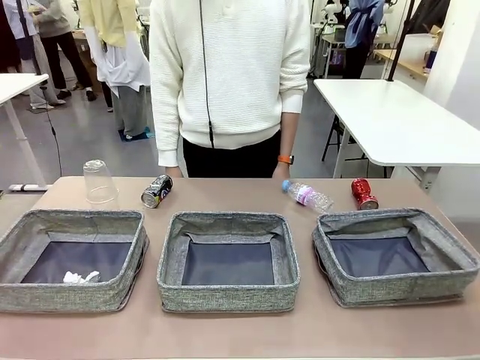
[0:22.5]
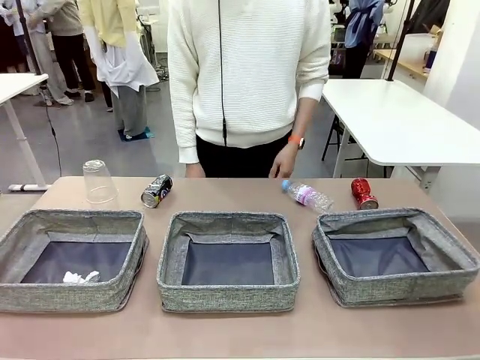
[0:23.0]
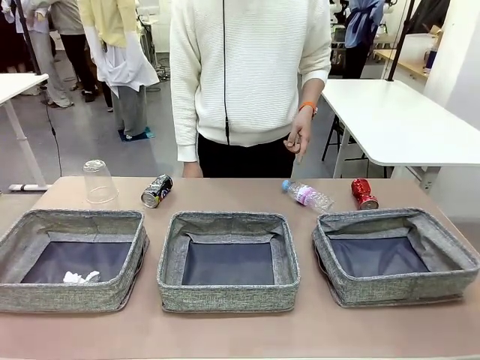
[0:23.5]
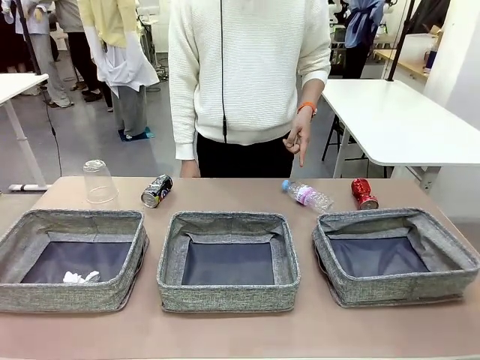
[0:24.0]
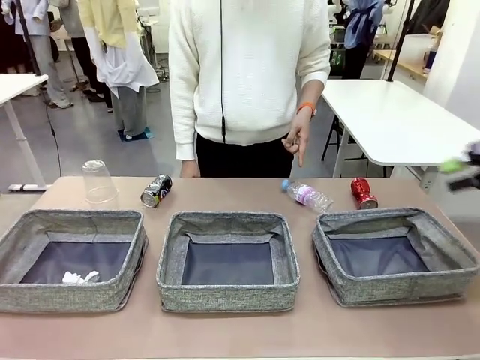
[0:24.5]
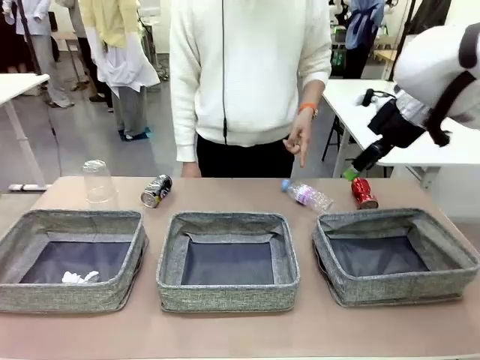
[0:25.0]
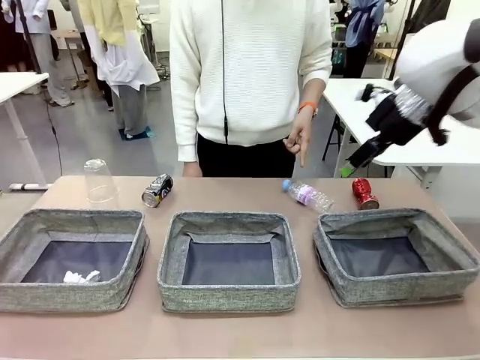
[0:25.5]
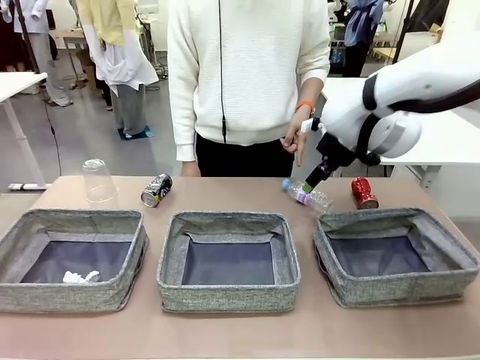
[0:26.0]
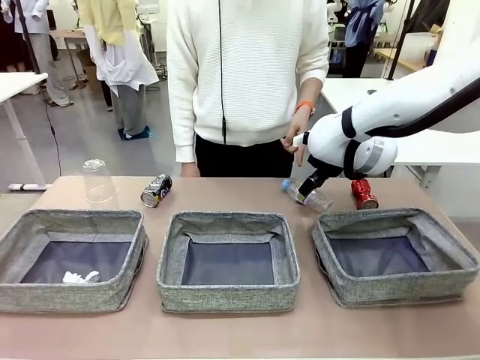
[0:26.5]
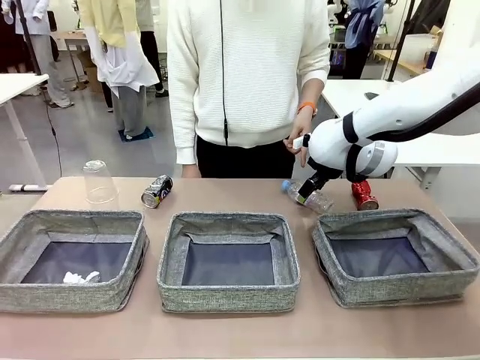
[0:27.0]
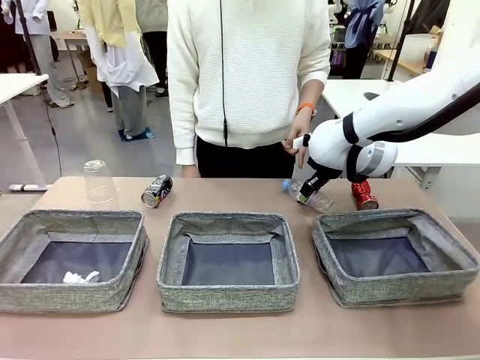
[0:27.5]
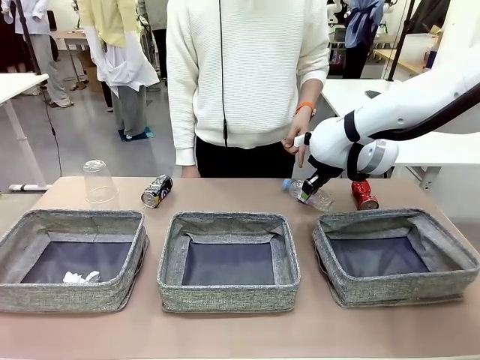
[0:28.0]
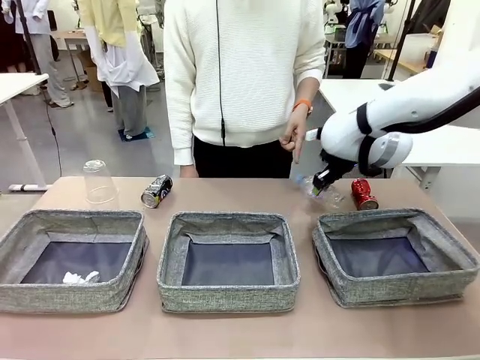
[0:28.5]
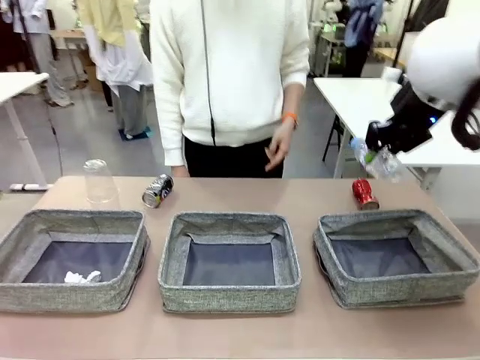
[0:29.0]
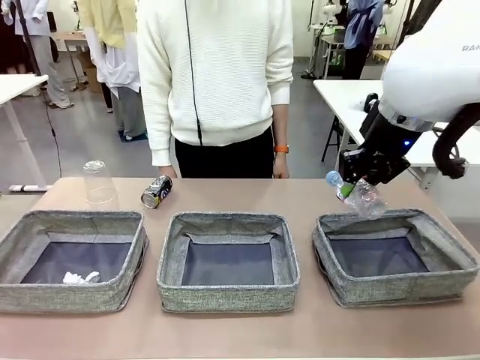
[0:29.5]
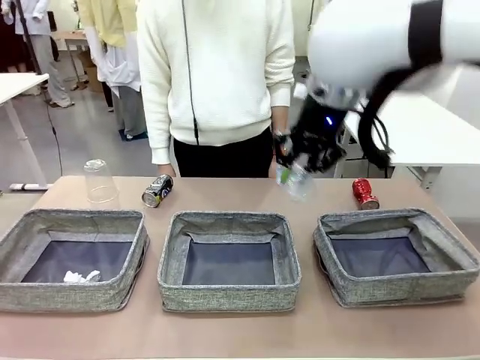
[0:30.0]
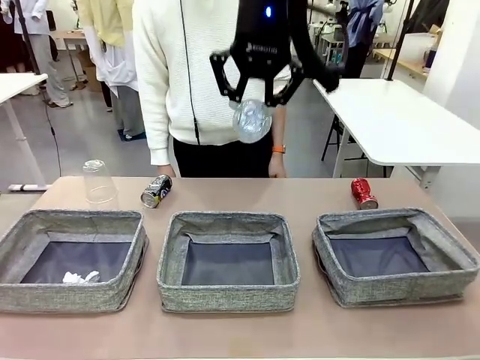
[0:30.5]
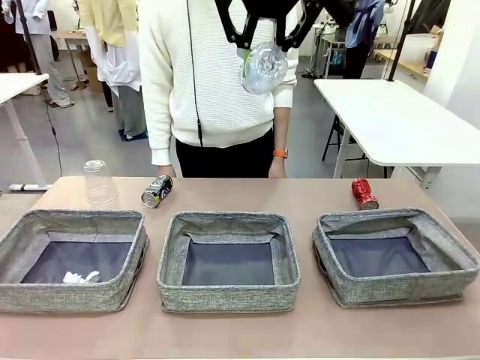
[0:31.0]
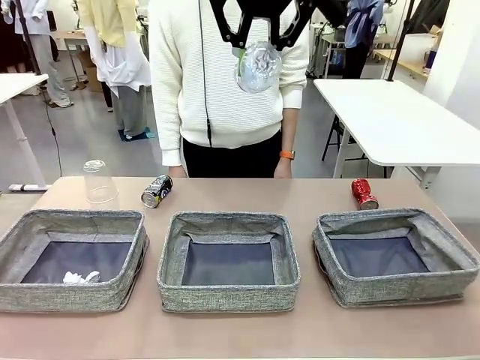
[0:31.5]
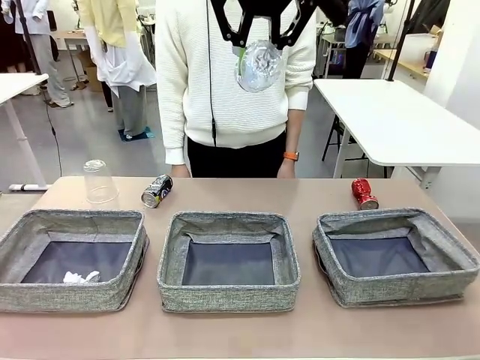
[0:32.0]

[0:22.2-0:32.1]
Task: Sort the waste into the appropriate baskets.
Robot: Pick up the waste item pointed out by the person.
Person: Points to one piece of trash on the table.

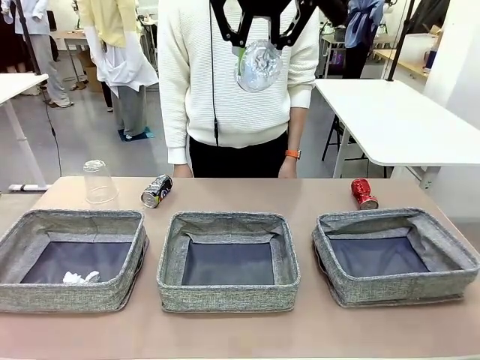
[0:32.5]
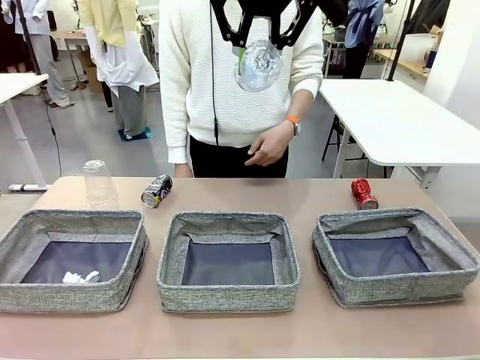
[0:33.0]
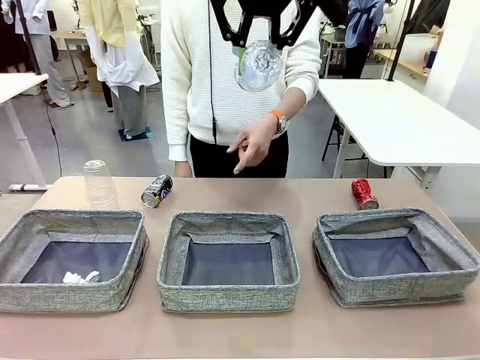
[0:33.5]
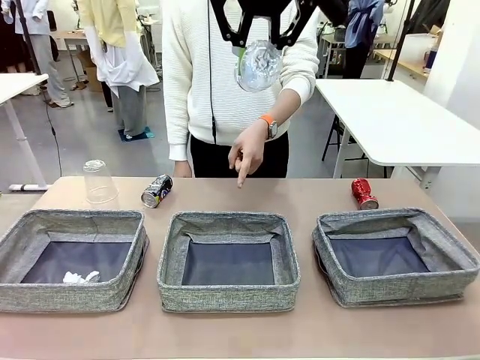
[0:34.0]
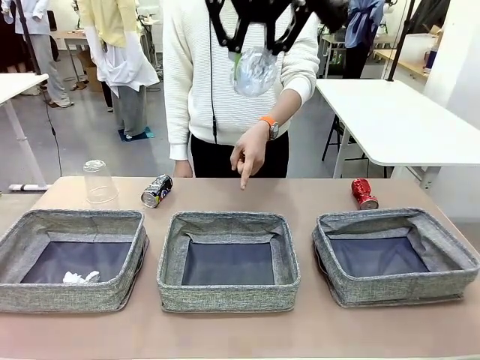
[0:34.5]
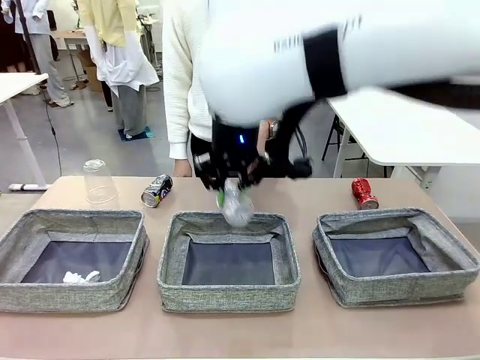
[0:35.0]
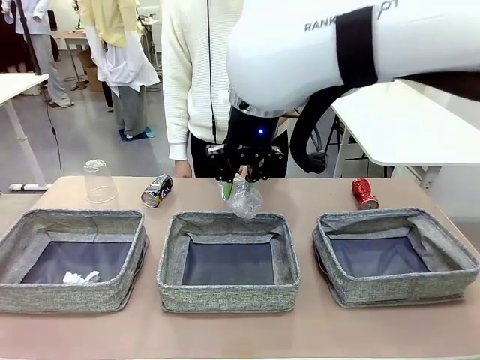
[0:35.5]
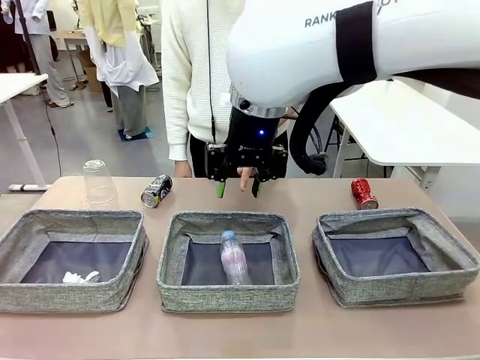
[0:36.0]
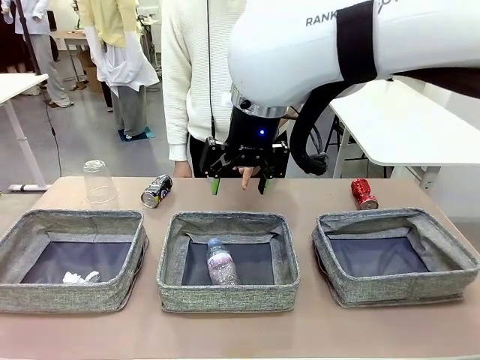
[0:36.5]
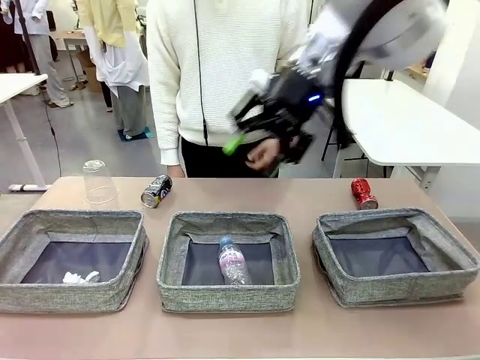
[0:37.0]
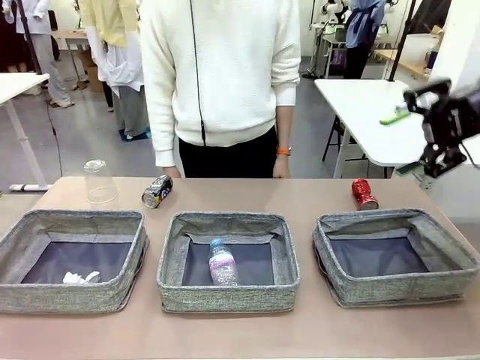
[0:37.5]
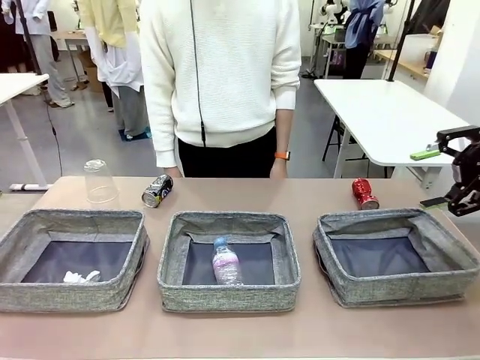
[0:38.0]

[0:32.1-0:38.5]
Robot: Place the picked waste into the Fabric basket indicated by the person.
Person: Instructs the robot to place the picked-up trash into the appropriate organizing basket.

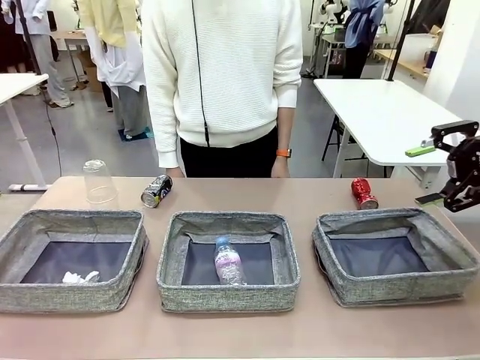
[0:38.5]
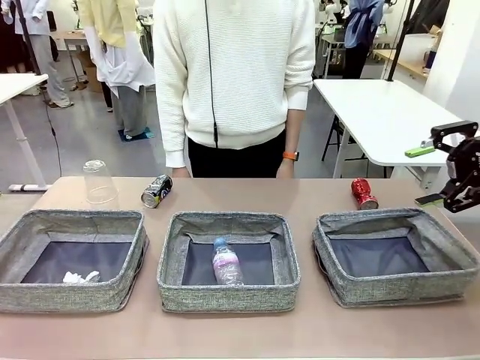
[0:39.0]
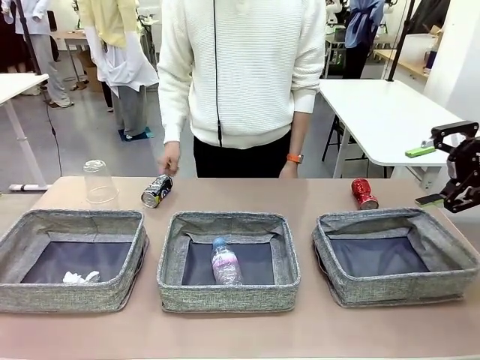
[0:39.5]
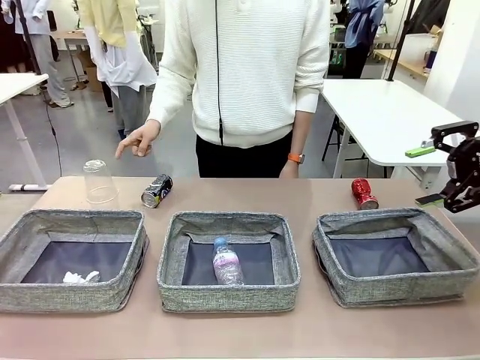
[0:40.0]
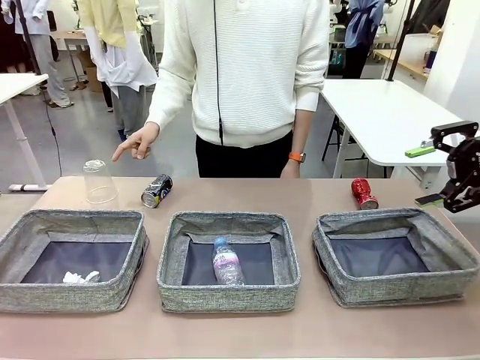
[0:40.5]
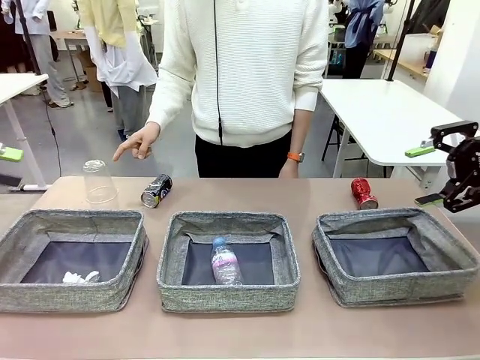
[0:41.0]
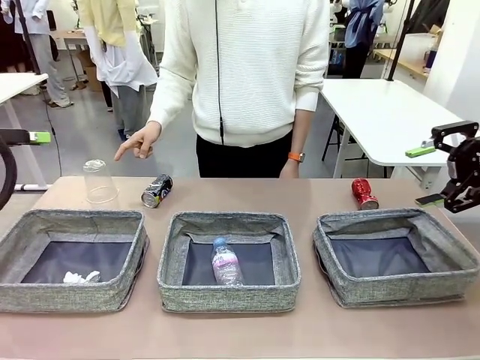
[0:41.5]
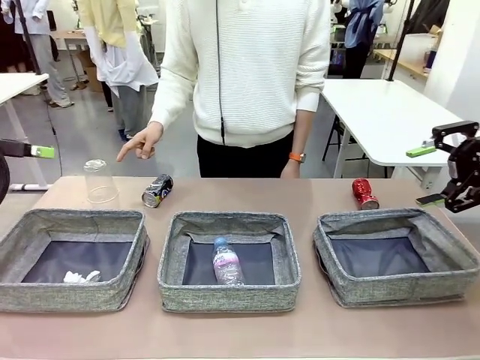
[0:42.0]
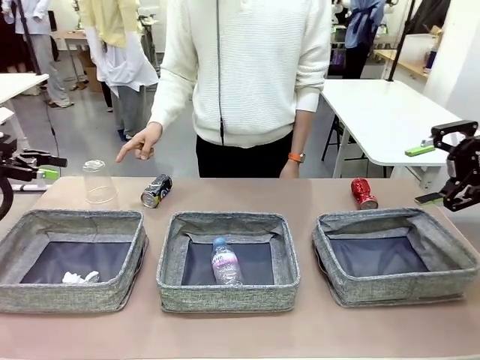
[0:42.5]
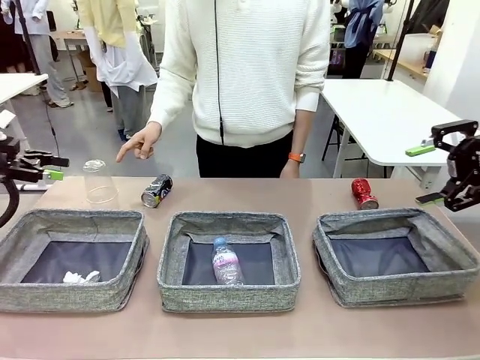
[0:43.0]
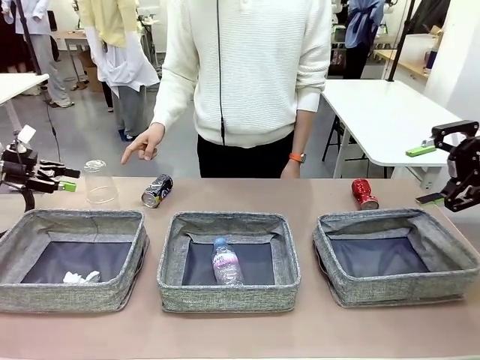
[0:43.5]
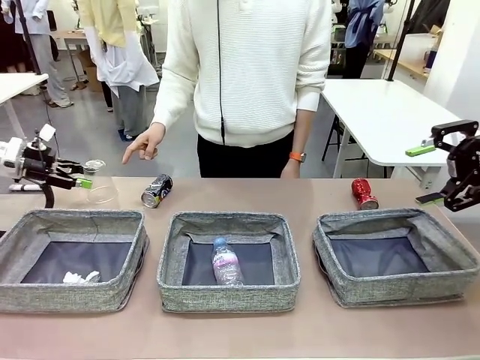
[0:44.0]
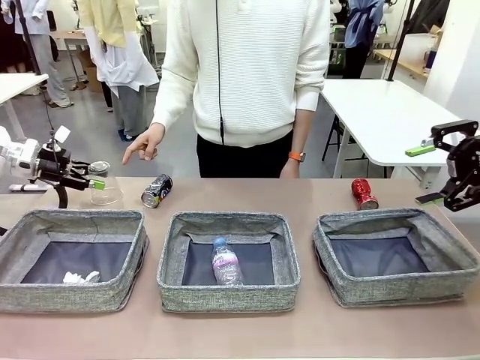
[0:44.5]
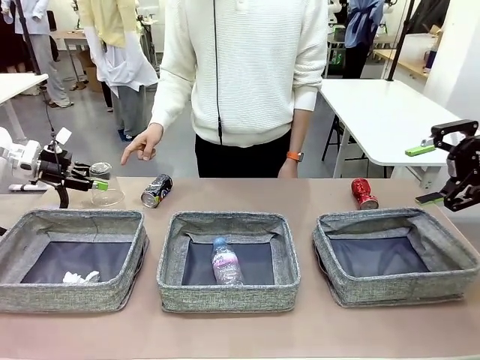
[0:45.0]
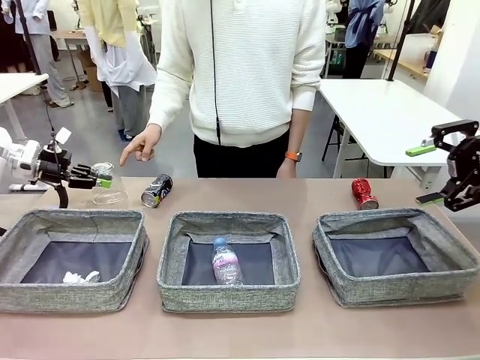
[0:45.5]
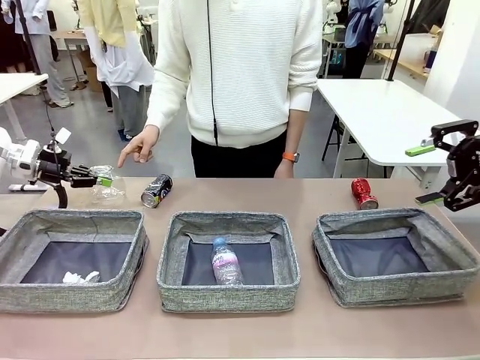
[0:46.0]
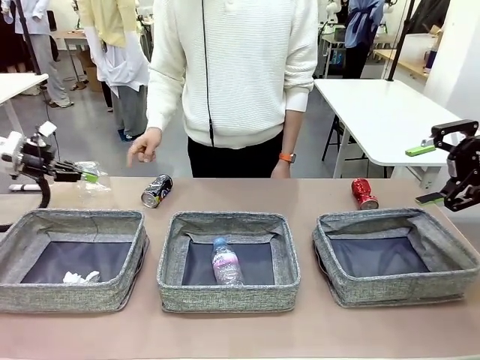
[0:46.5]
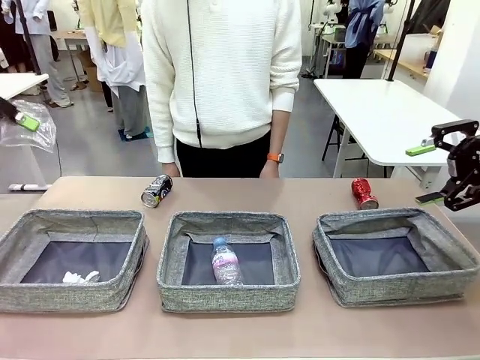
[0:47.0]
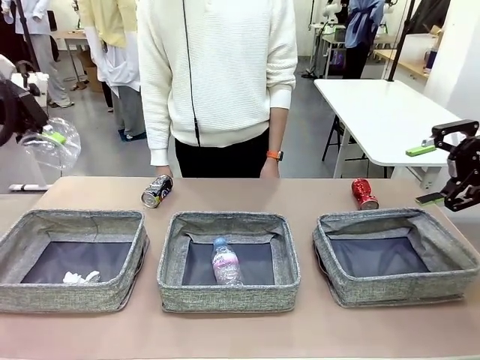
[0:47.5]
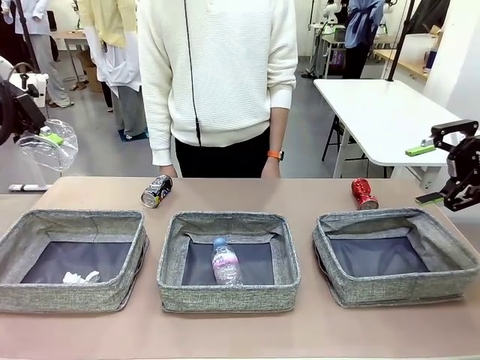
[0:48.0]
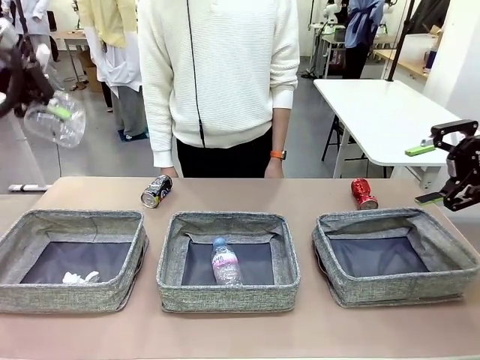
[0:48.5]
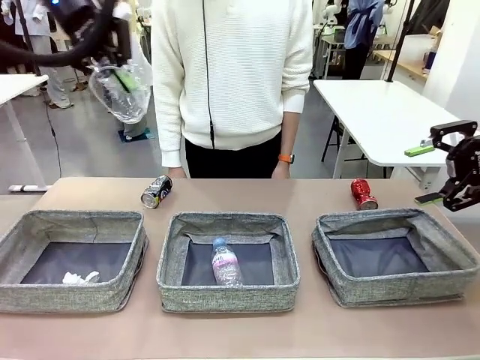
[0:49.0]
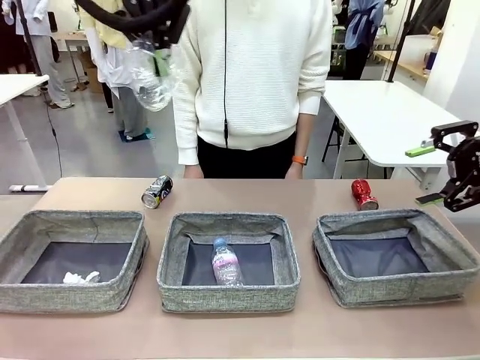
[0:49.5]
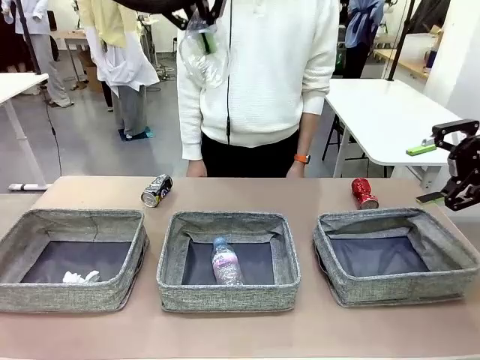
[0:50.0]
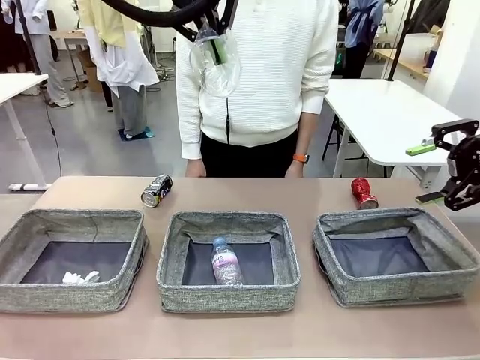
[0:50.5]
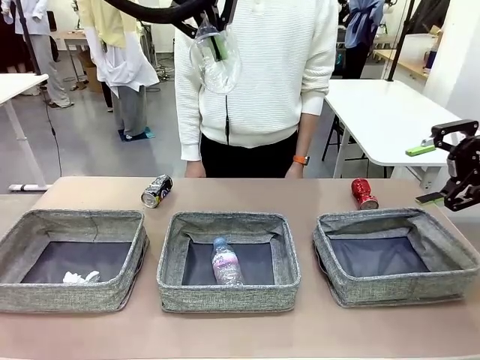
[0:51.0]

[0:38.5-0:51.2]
Robot: Pick up the waste item pointed out by the person.
Person: Points to one piece of trash on the table.
